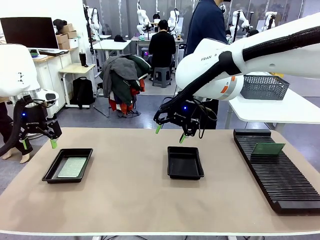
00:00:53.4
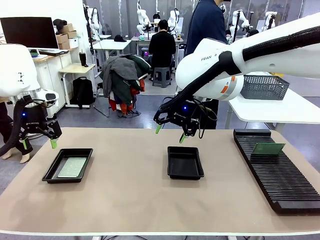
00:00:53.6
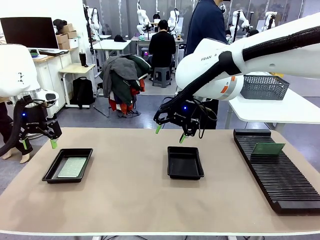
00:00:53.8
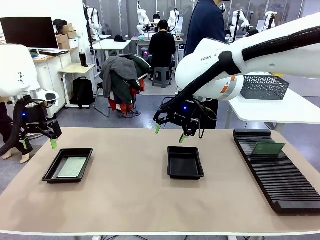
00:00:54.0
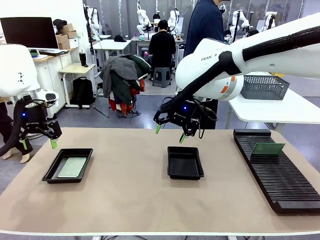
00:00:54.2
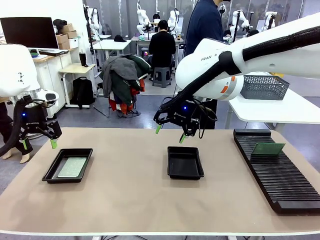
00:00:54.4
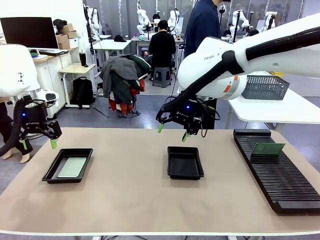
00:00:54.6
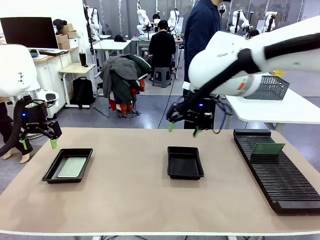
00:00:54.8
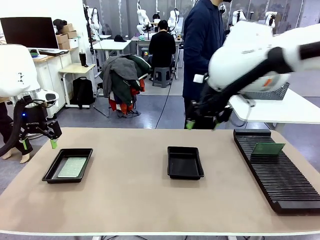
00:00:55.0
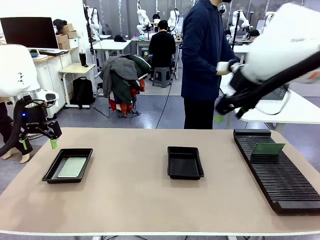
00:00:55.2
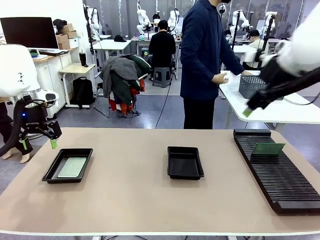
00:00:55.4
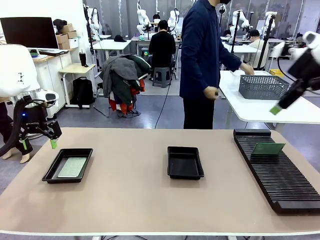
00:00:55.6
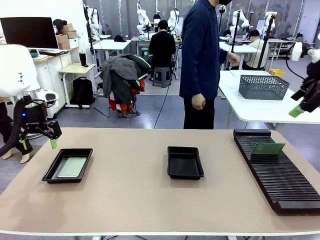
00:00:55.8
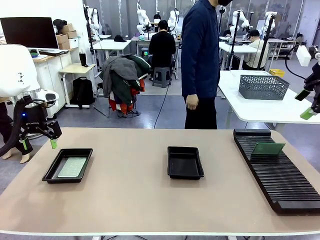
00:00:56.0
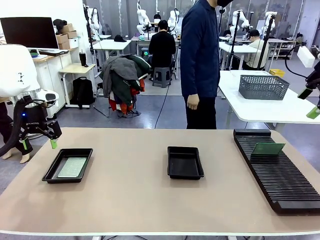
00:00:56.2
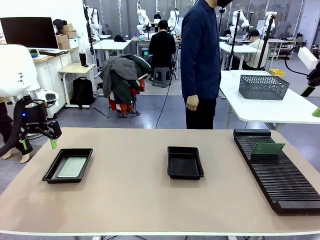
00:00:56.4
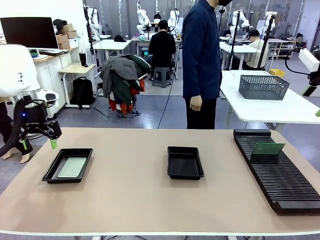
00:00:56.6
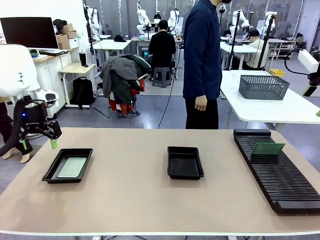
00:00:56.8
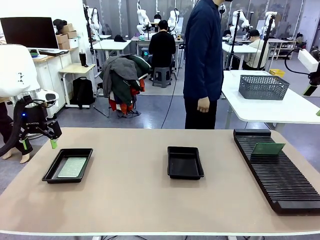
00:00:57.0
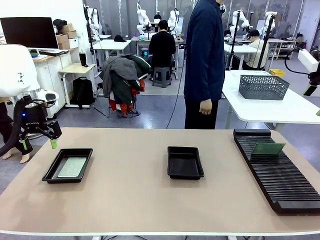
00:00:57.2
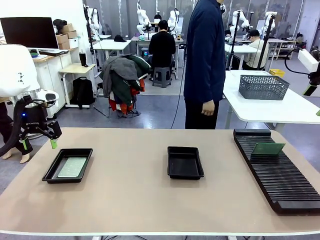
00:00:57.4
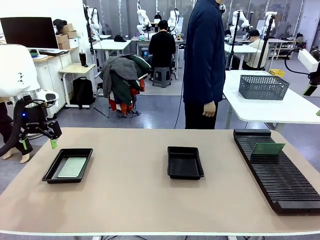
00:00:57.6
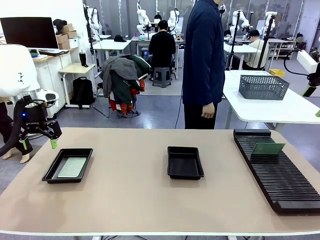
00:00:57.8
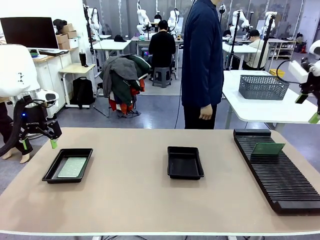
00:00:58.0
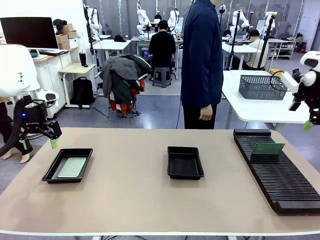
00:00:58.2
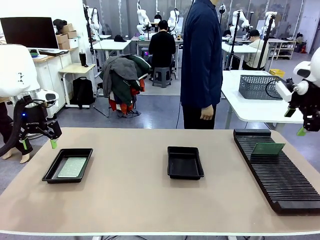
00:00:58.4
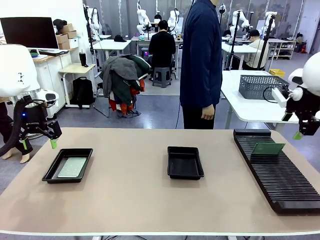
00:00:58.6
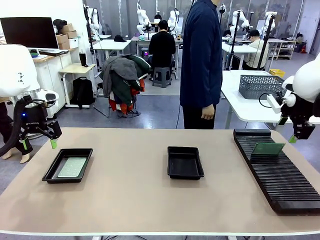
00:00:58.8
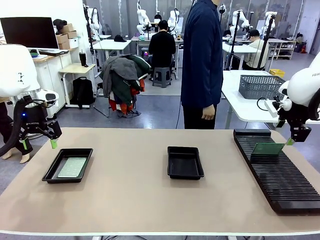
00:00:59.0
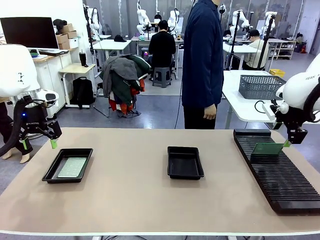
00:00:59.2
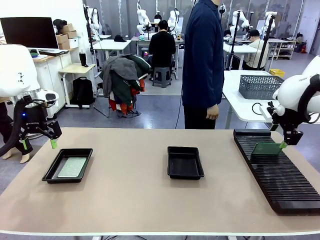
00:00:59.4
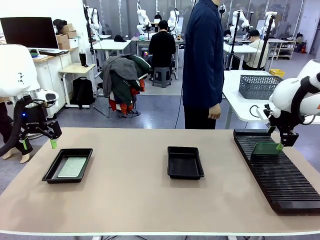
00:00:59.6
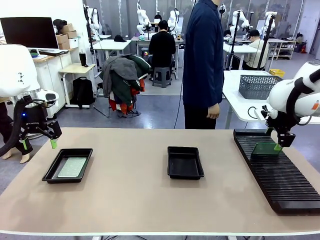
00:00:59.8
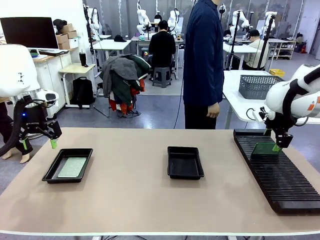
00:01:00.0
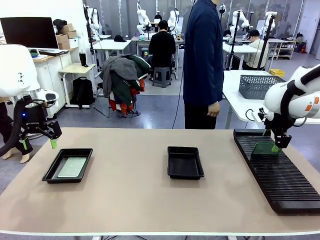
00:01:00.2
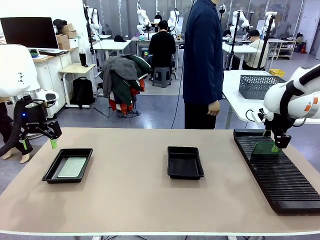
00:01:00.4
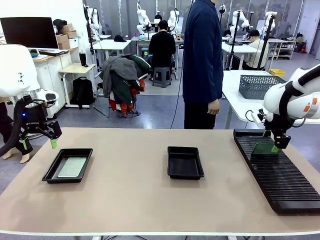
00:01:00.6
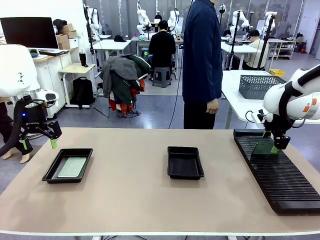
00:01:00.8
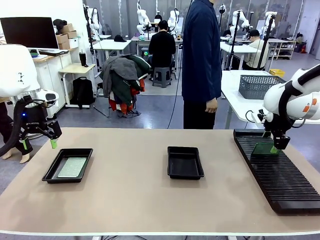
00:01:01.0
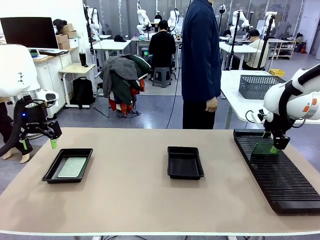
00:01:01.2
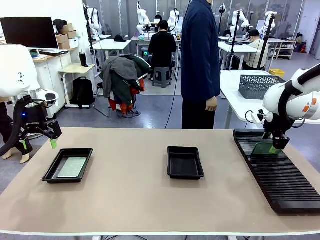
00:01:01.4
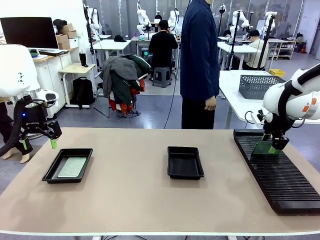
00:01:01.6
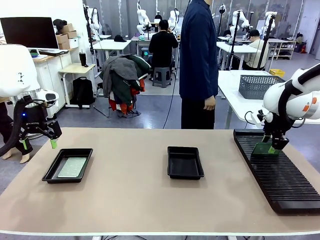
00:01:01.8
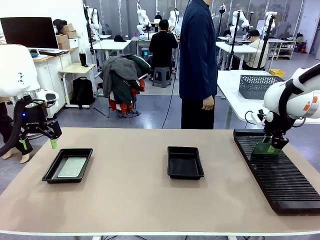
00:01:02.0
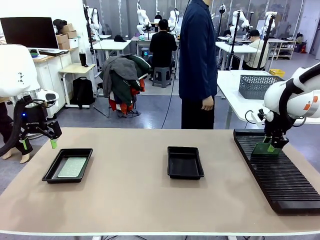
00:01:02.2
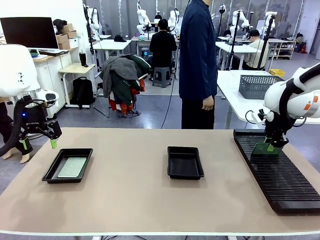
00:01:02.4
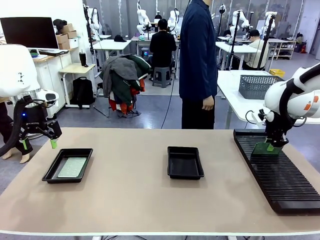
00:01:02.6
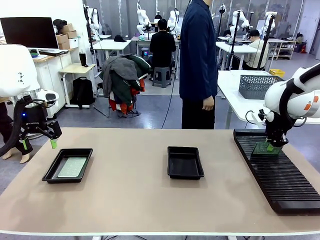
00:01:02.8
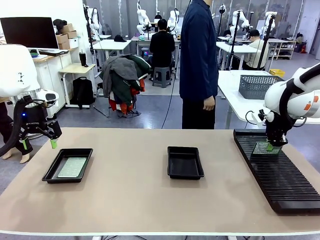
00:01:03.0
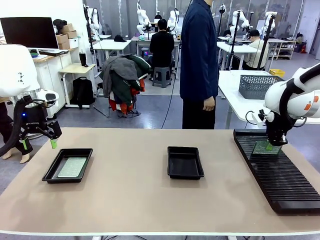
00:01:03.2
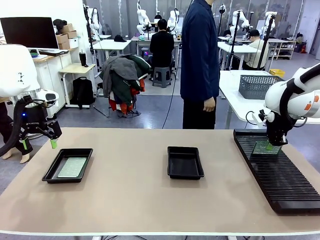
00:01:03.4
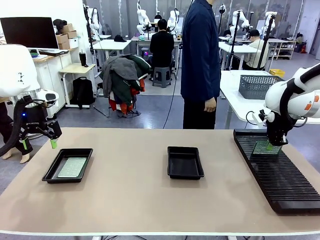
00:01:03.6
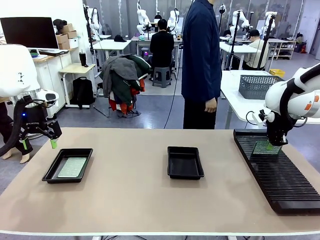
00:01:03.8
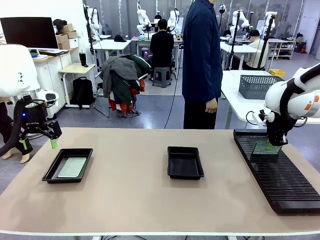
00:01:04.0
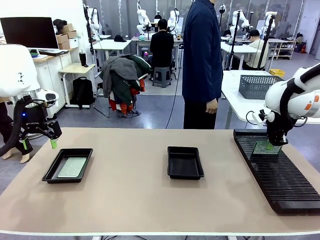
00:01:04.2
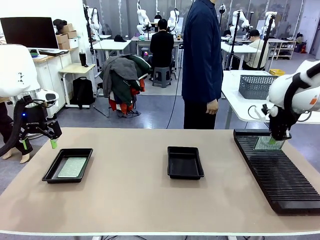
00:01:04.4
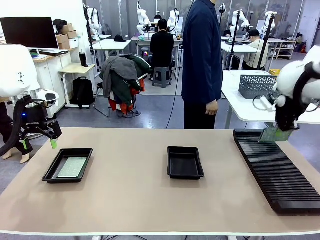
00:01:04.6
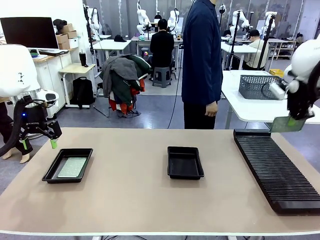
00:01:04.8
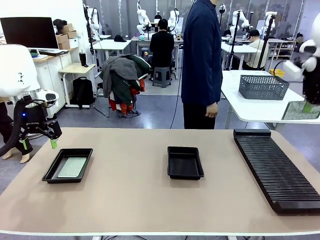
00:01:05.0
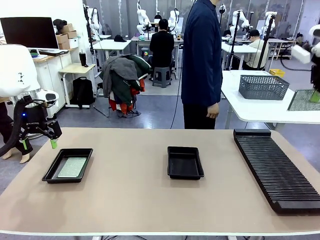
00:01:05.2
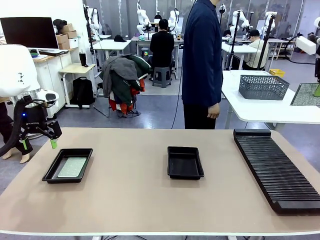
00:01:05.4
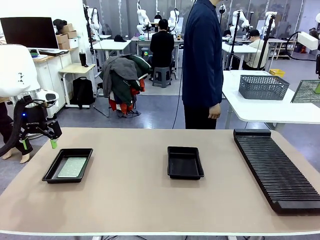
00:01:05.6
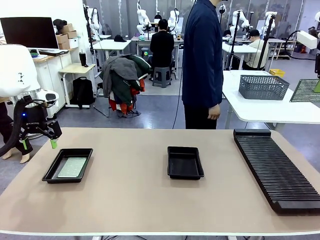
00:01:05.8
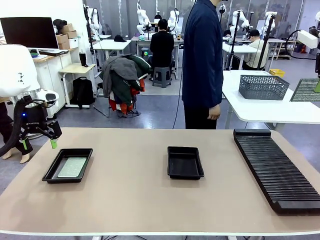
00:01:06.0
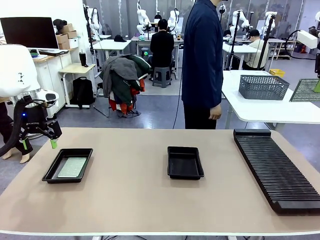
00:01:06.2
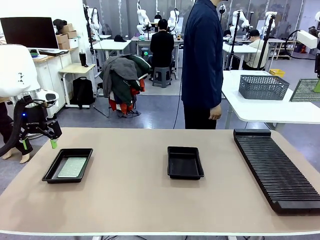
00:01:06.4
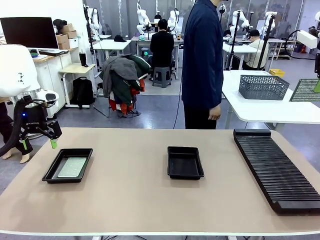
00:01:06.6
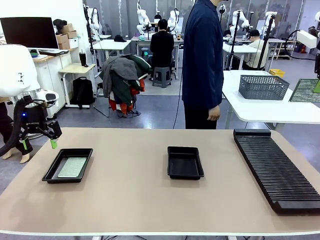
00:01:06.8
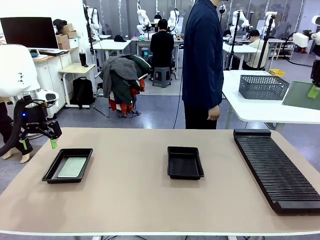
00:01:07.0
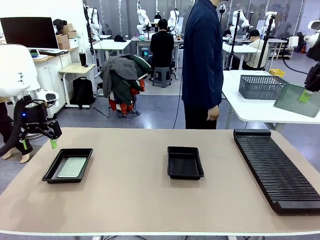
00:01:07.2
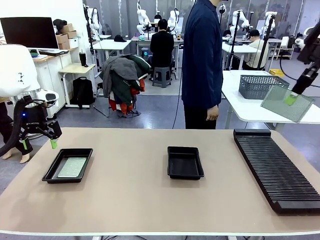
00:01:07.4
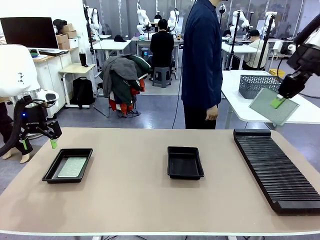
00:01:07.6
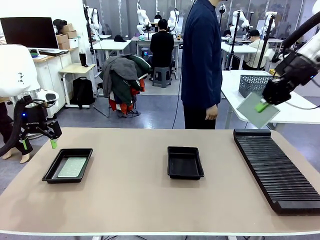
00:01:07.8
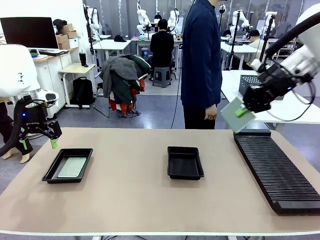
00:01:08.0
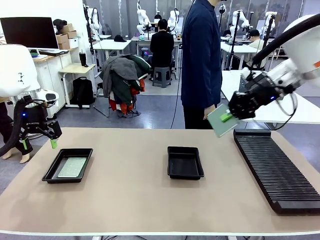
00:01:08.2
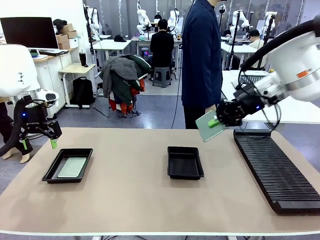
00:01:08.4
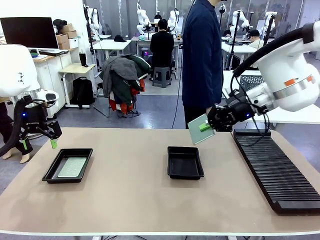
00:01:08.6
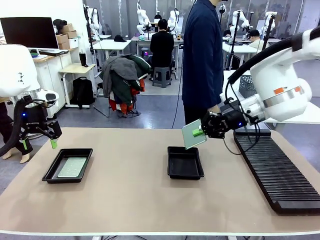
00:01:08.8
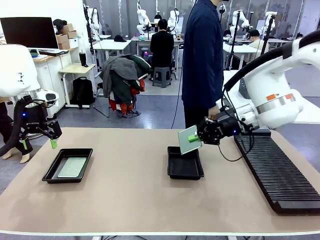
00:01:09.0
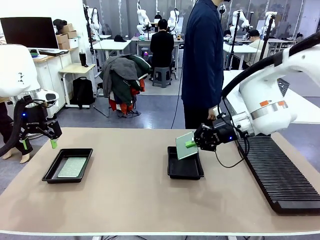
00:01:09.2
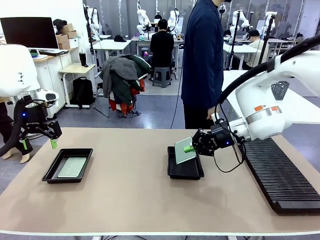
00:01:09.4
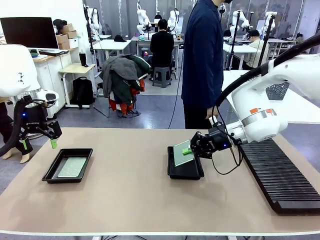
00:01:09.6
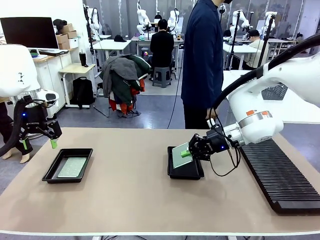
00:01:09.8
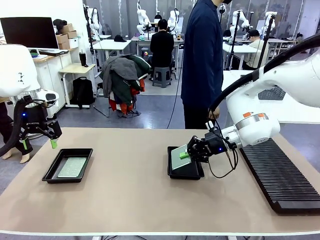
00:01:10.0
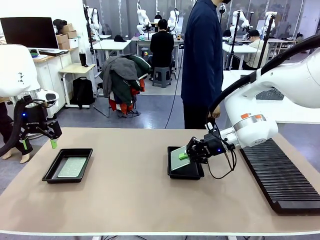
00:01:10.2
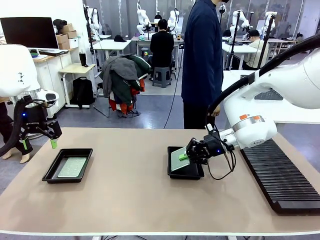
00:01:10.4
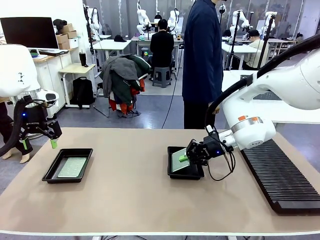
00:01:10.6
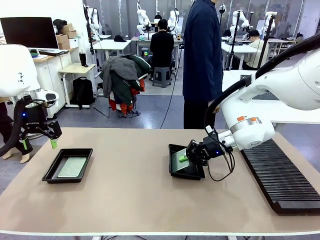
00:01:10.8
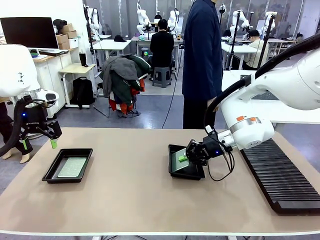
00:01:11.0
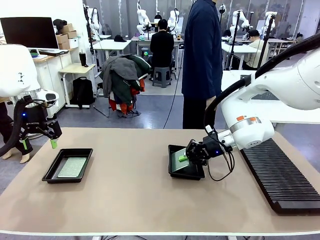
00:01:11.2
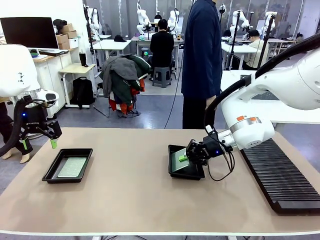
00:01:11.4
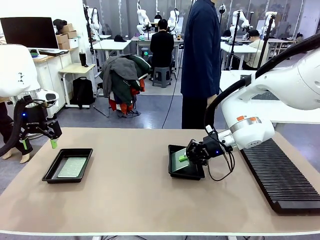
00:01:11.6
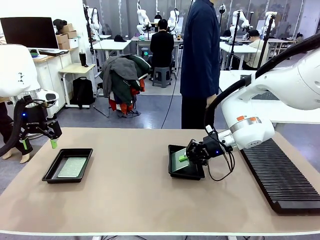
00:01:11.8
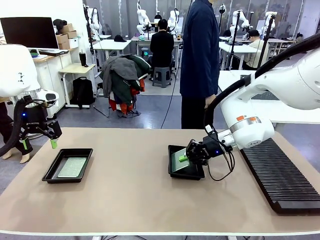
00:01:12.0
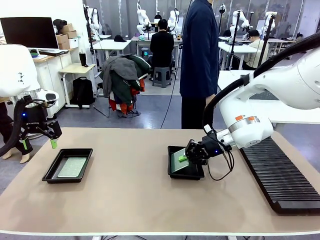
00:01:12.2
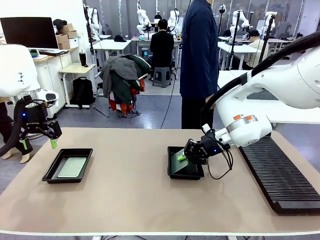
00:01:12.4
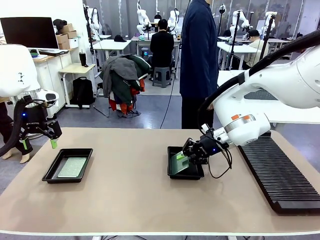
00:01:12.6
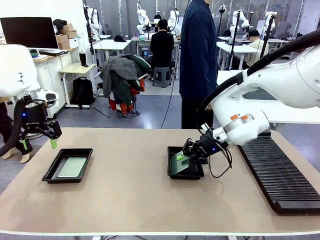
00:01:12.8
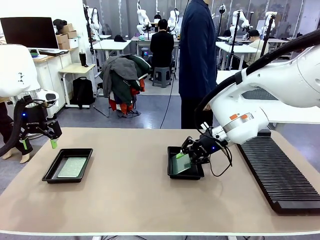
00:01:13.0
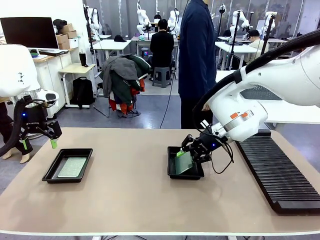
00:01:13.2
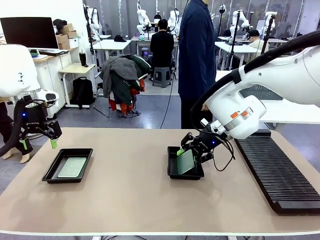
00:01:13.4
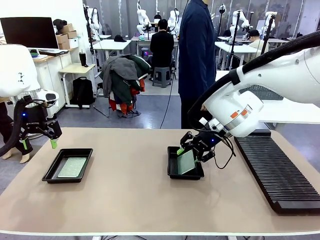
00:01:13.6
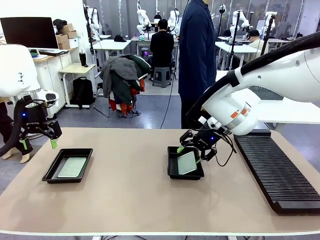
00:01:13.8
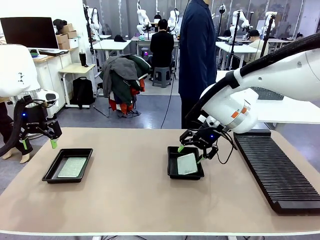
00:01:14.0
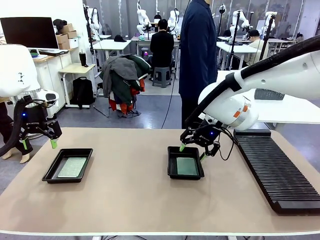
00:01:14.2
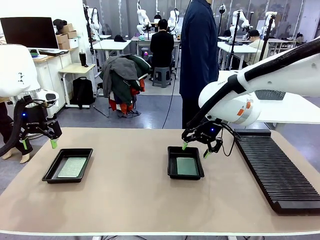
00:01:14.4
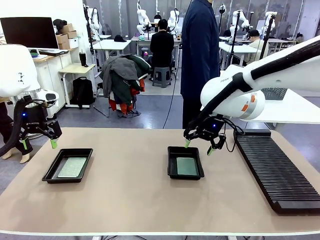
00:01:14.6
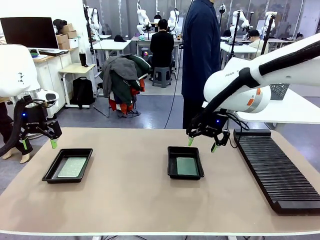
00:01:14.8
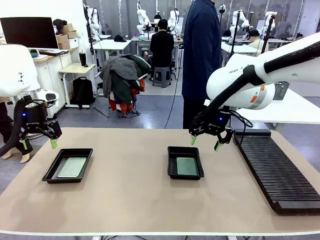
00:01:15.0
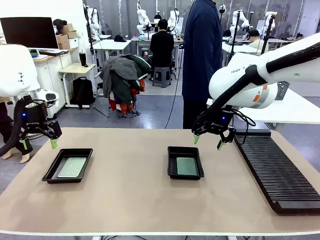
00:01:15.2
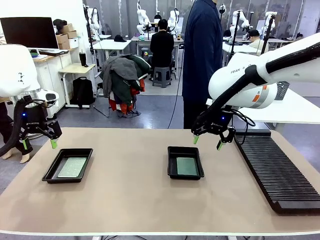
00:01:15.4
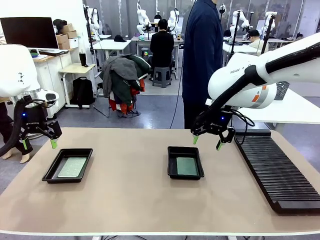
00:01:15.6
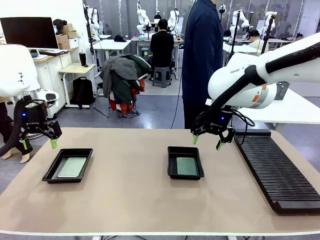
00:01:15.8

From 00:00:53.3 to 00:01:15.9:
Task: Inspect and transfer BCBs to ESD trays.
Robot: Pick up the Blank PCB from the PCB Rack and place it in the right ESD tray.
